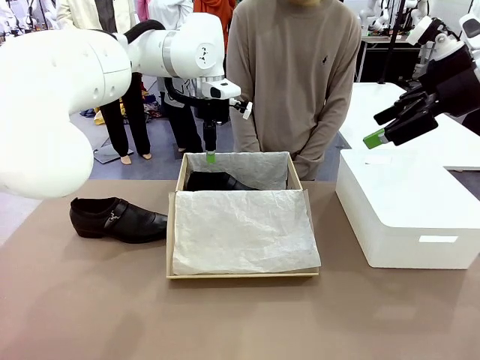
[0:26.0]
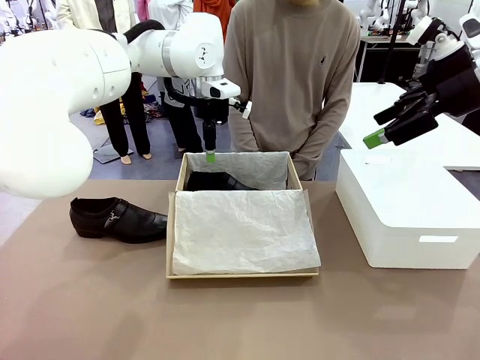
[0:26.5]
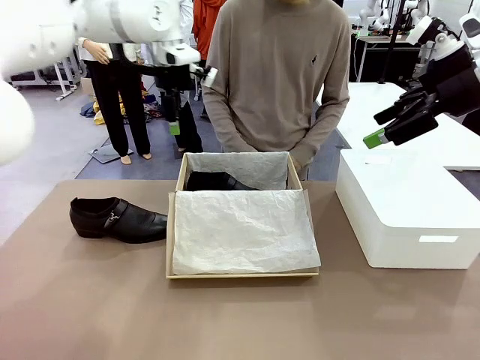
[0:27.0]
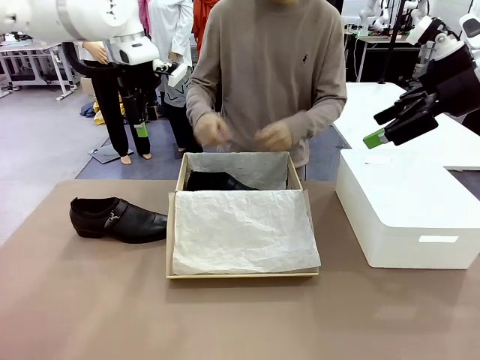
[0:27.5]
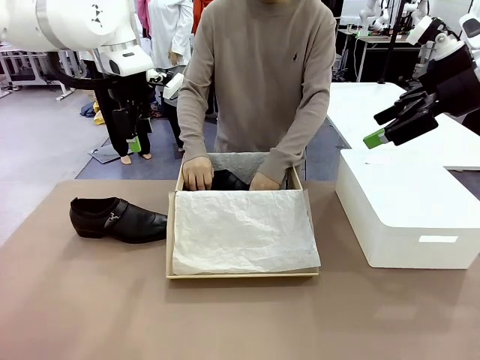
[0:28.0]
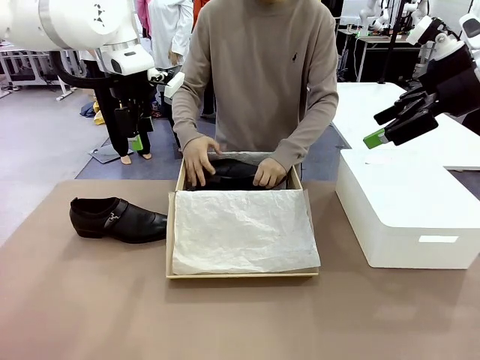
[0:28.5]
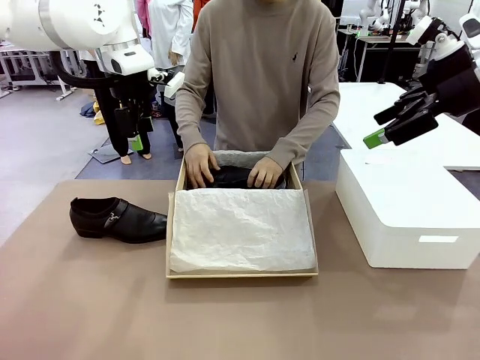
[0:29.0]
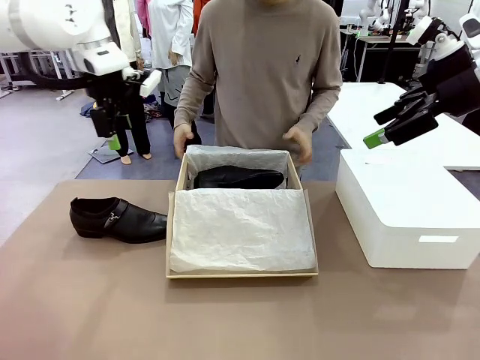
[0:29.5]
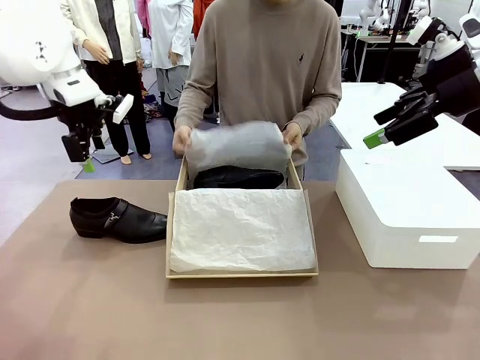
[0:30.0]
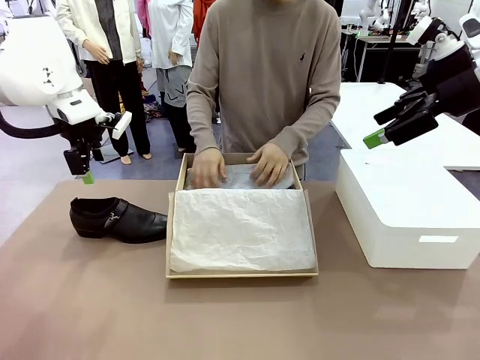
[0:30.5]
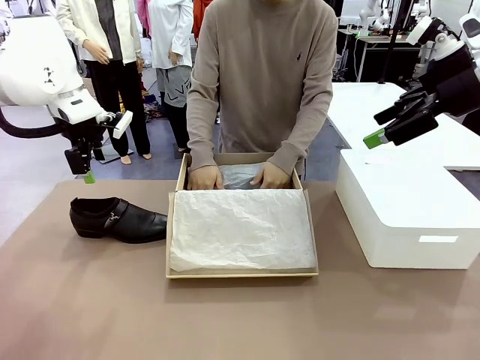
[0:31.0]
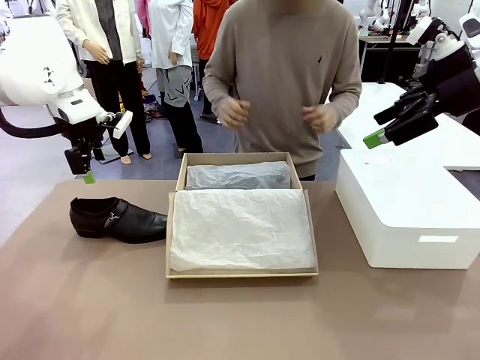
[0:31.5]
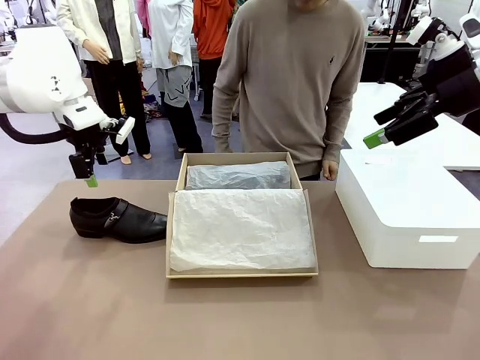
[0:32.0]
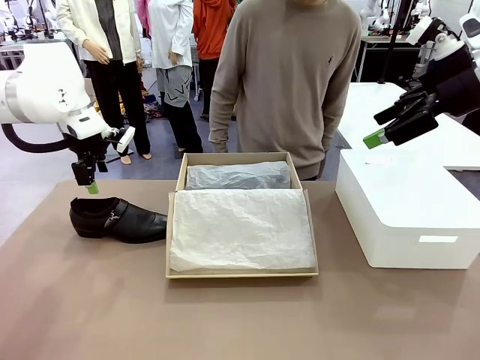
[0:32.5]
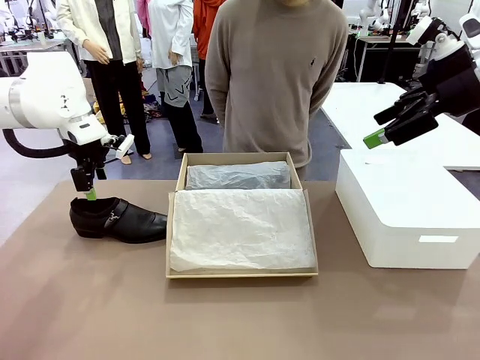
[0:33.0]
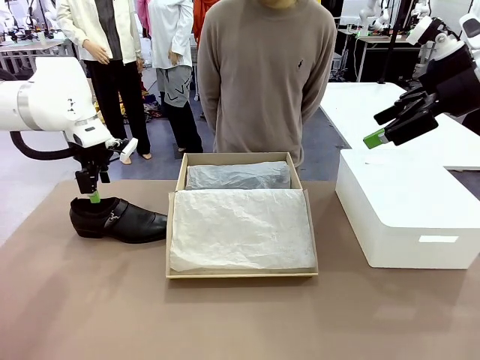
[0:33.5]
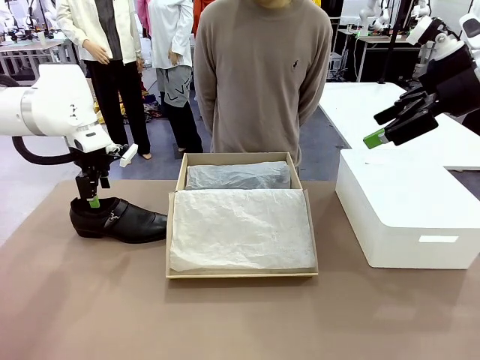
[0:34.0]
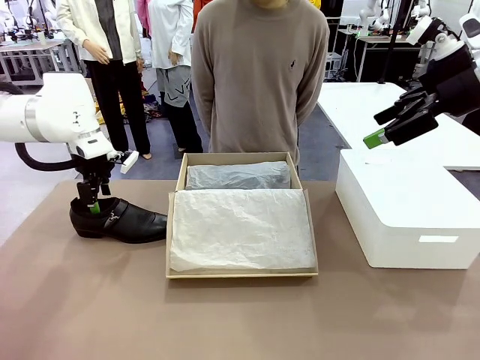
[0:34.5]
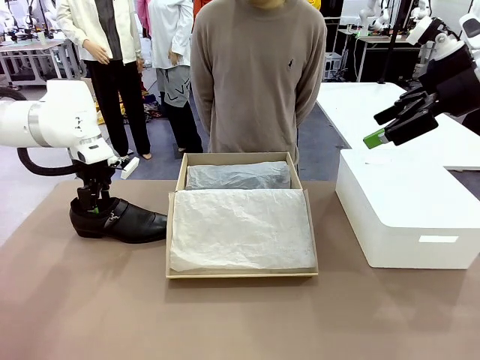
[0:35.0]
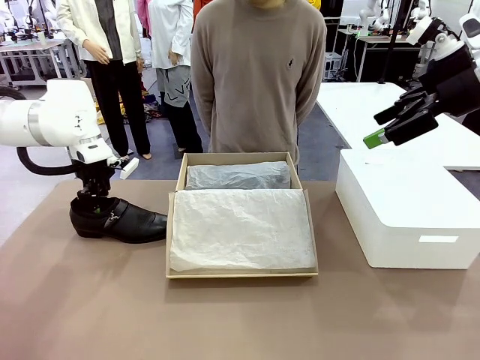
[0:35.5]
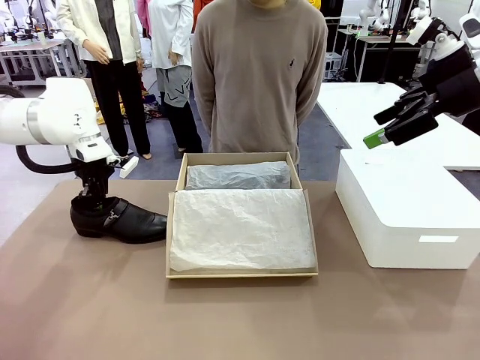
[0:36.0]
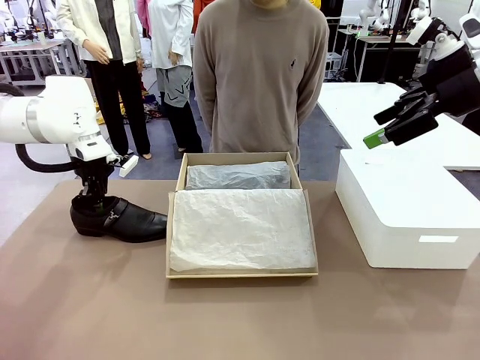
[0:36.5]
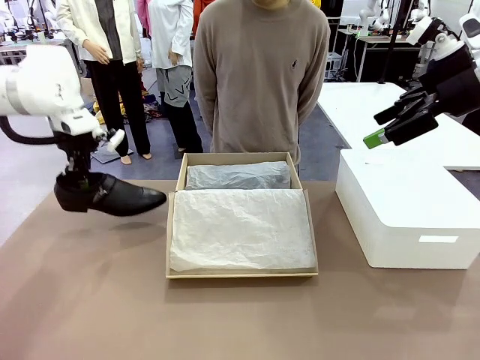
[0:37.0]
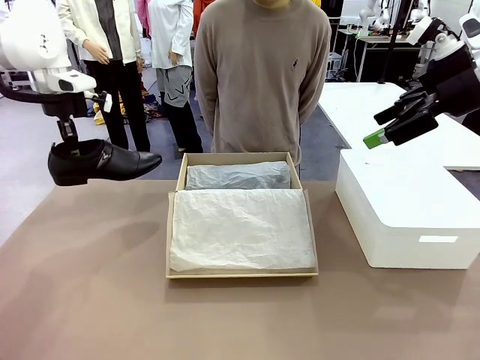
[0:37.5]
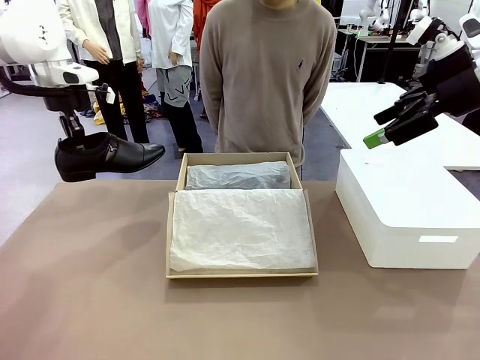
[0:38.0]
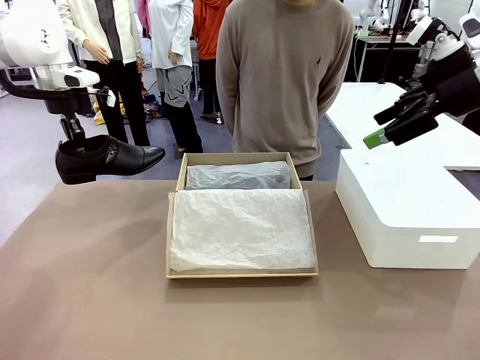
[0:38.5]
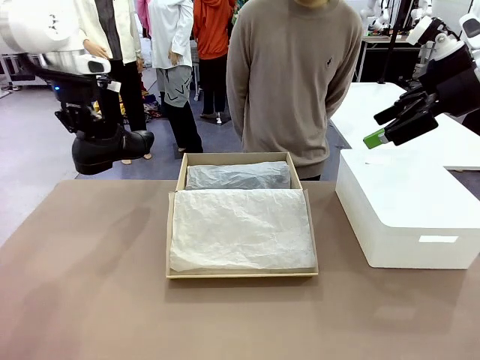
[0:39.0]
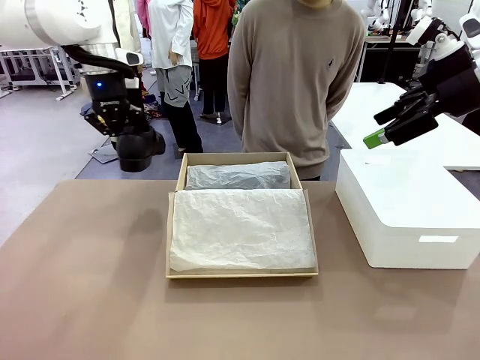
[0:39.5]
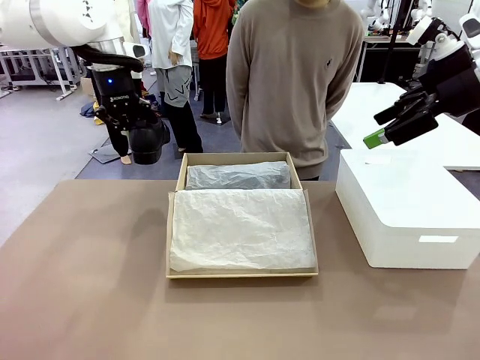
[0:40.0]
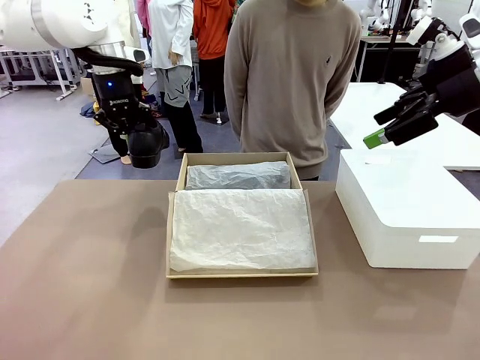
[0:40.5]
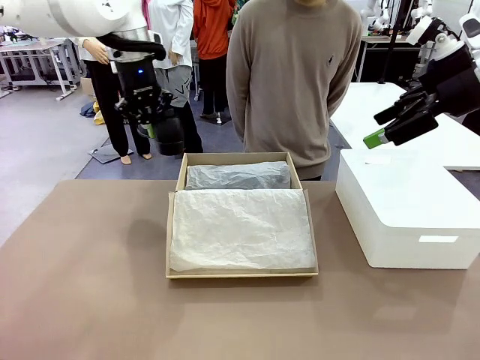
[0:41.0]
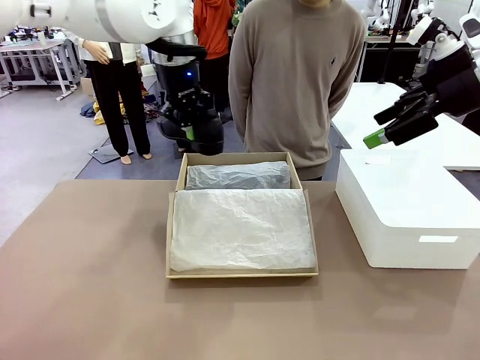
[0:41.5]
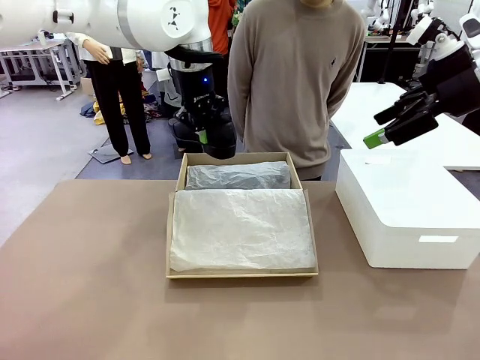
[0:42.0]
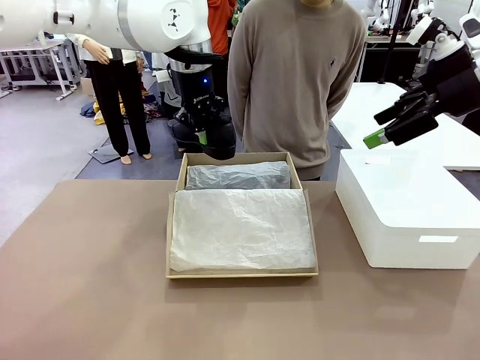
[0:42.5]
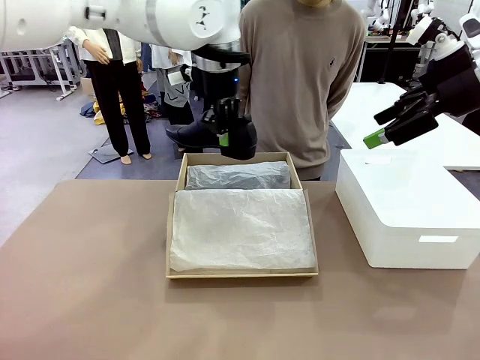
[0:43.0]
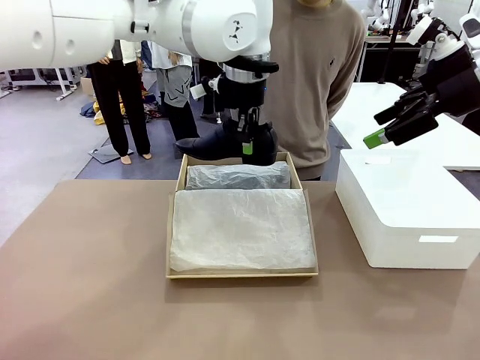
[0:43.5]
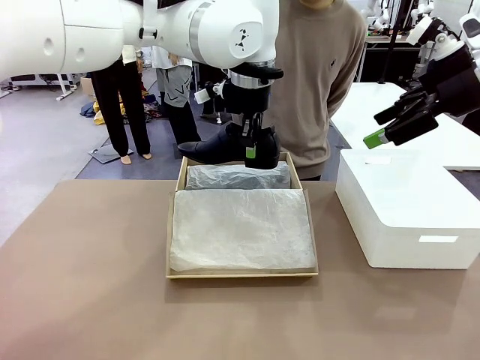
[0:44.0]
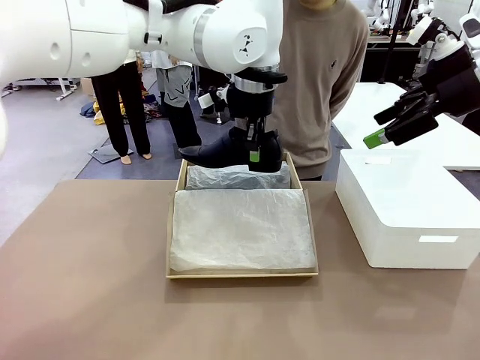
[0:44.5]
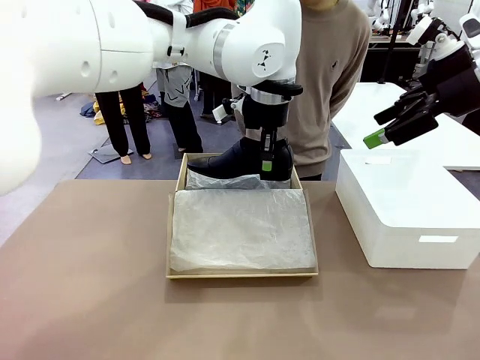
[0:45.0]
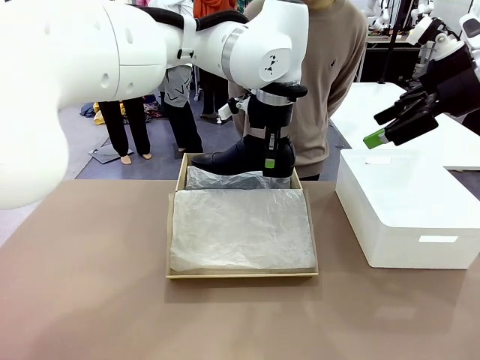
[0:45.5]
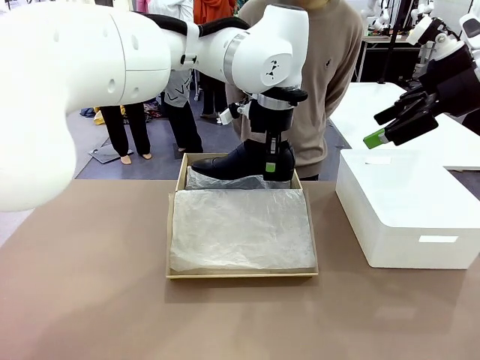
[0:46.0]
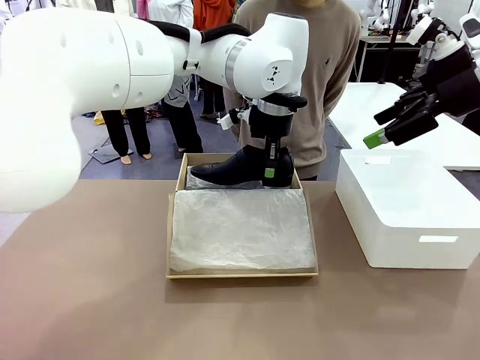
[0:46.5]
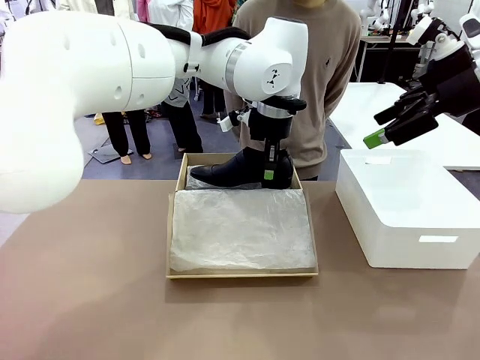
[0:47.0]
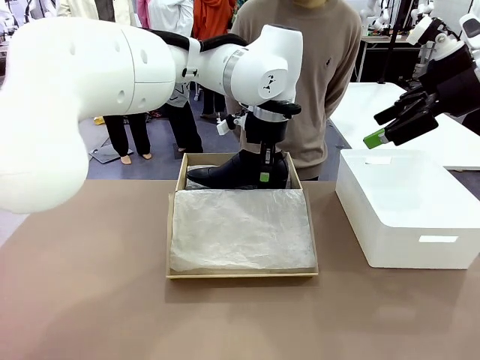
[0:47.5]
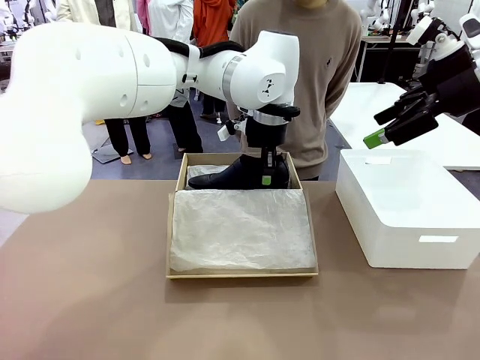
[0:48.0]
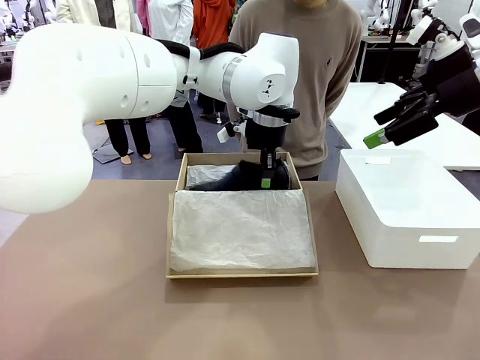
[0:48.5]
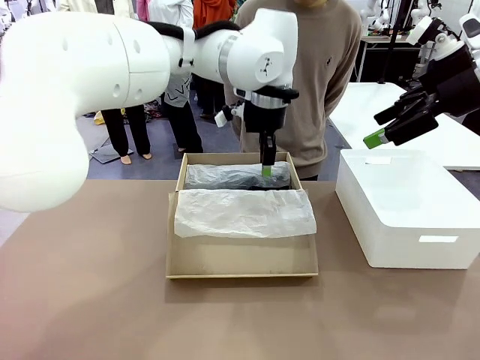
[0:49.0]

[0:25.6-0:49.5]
Task: Pack the shoes into the box.
Robot: Place the other shoe of the Shoes into the Shoes Box.
Person: Pack a shoe of Shoes inside the Shoes Box with Shoes Wrapping Paper.
